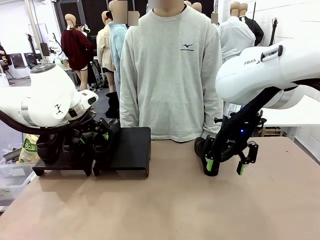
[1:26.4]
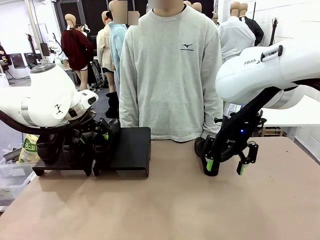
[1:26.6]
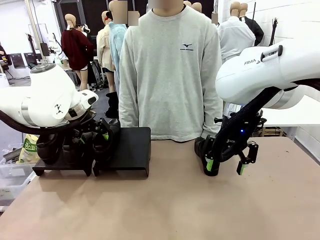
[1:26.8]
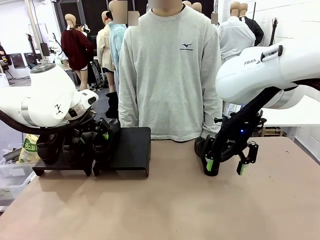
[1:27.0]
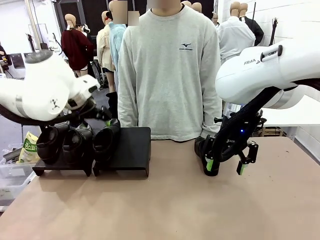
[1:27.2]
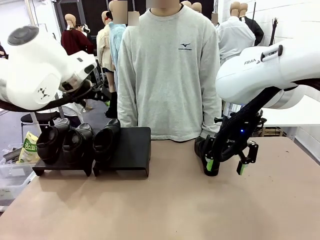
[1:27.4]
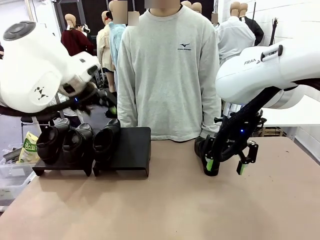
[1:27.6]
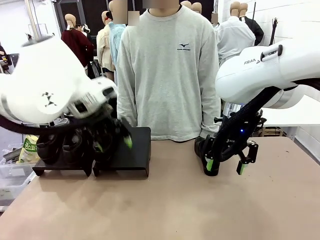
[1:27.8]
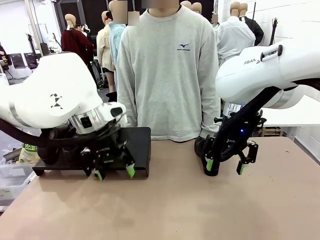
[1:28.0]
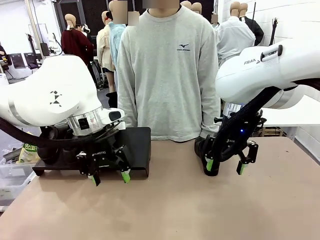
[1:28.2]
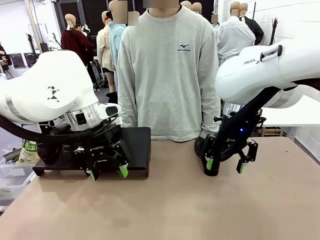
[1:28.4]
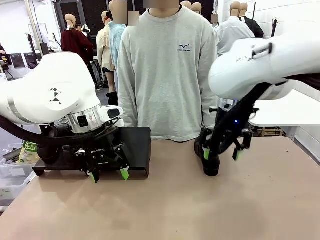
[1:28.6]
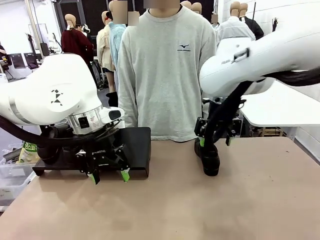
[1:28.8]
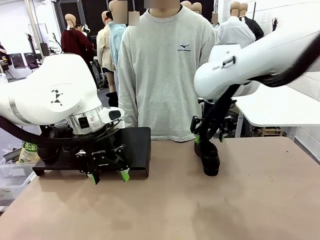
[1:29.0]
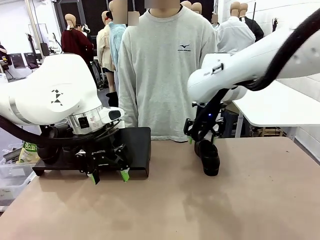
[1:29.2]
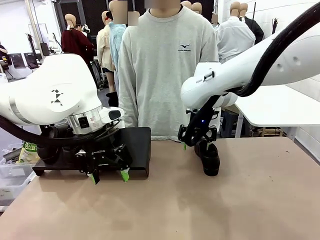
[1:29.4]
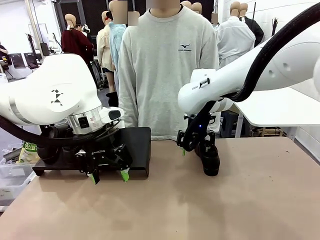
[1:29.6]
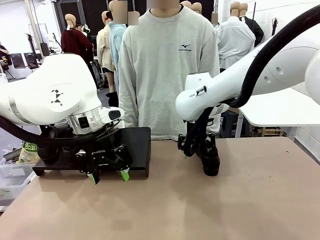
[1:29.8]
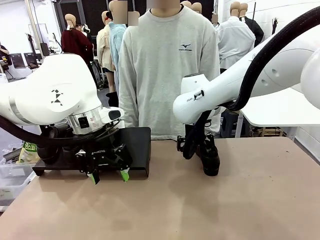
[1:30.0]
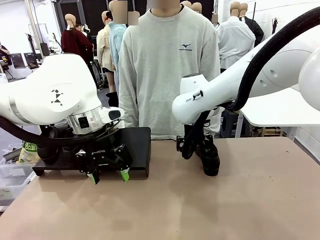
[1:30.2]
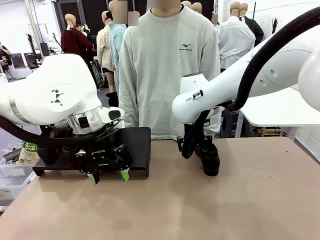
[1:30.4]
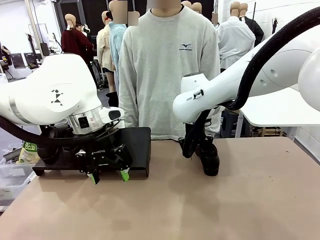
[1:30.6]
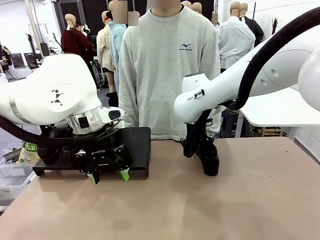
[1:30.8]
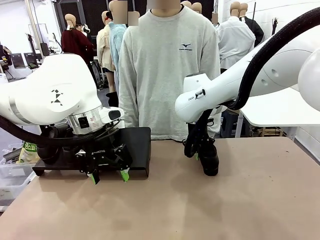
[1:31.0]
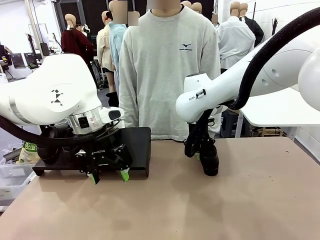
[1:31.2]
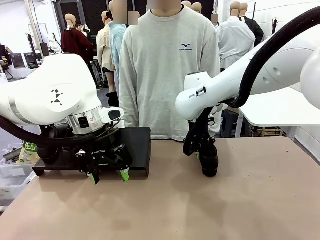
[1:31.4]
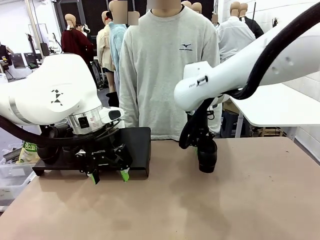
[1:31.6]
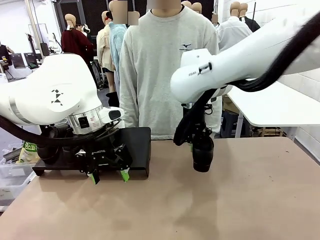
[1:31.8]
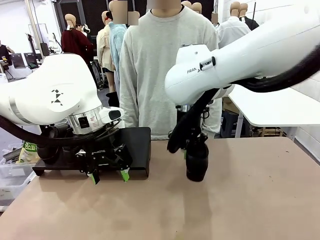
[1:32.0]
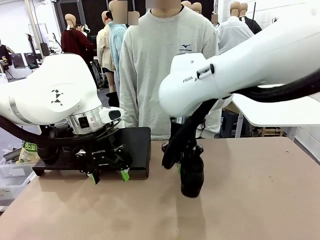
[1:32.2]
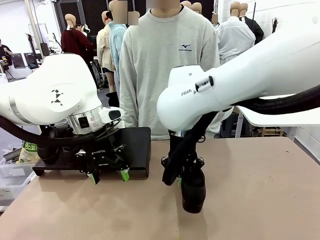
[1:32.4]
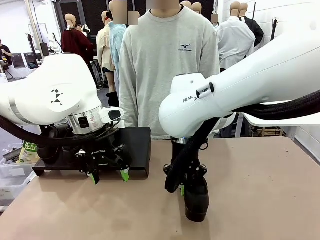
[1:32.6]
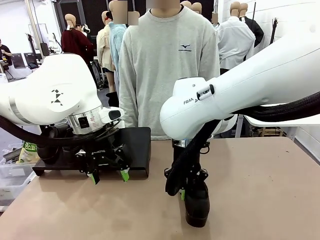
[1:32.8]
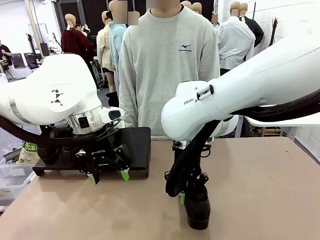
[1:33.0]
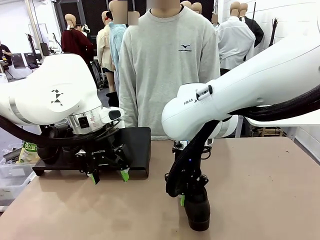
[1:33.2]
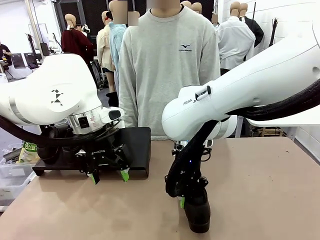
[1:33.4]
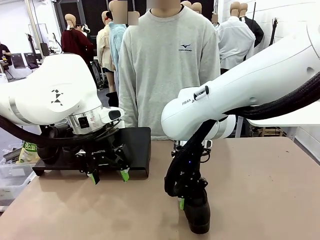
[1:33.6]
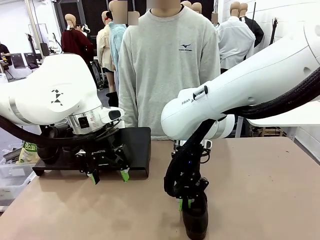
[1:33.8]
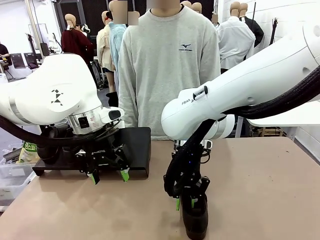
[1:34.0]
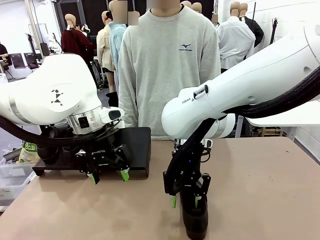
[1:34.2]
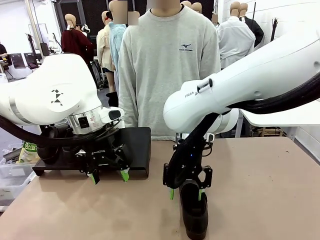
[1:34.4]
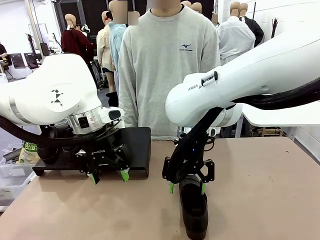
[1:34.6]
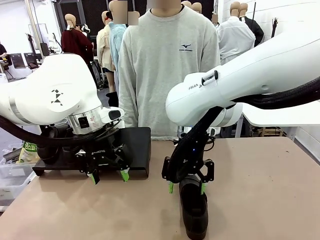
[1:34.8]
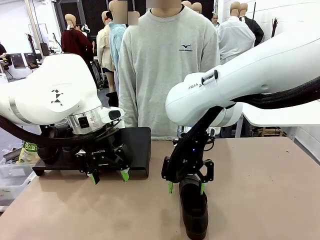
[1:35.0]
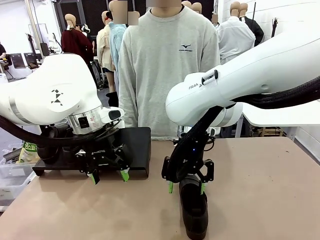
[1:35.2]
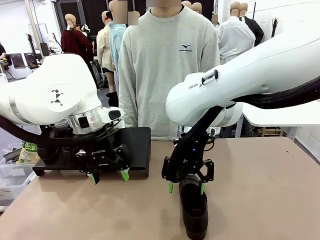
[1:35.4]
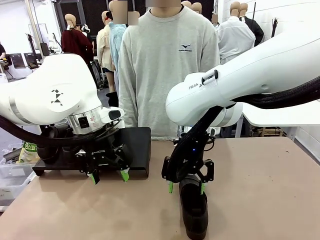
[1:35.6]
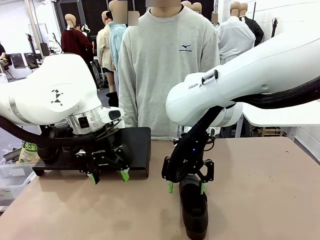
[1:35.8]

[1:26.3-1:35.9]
Task: Organize the shoes by placing them on the stand.
Robot: Pick up one Shoe and place it in the middle of the table.

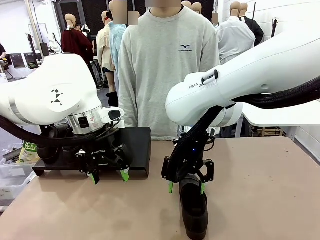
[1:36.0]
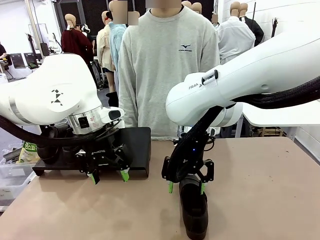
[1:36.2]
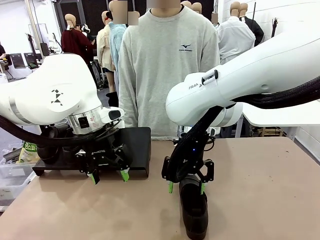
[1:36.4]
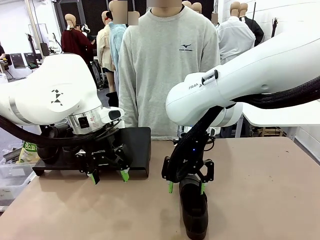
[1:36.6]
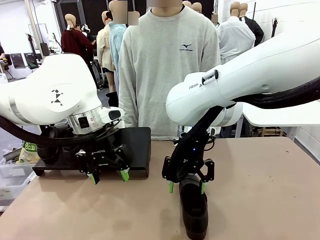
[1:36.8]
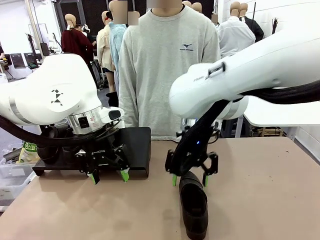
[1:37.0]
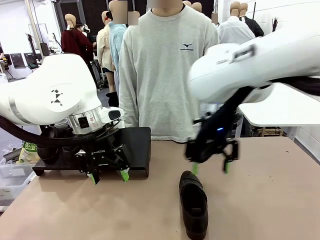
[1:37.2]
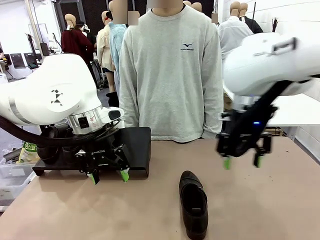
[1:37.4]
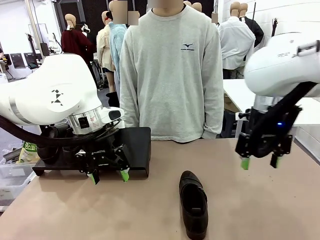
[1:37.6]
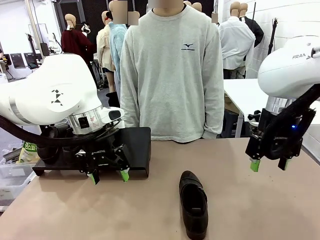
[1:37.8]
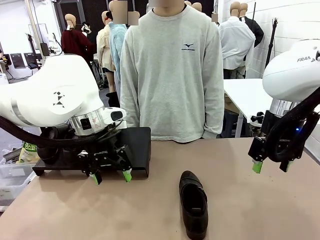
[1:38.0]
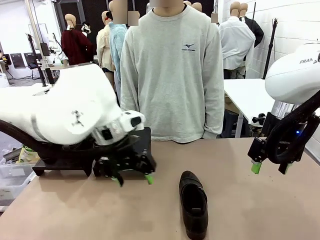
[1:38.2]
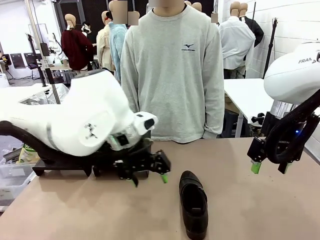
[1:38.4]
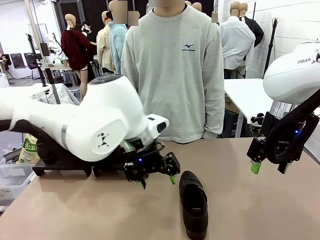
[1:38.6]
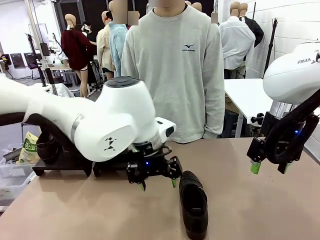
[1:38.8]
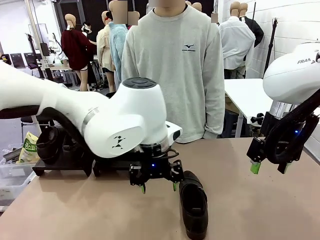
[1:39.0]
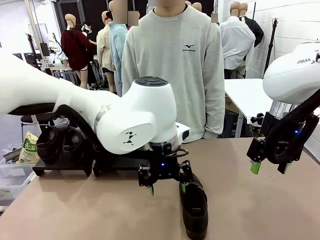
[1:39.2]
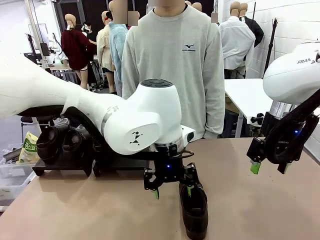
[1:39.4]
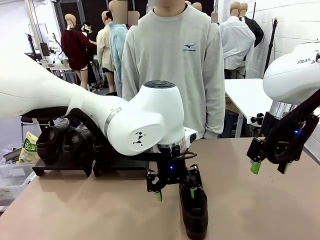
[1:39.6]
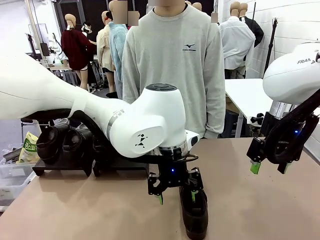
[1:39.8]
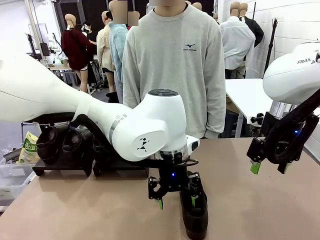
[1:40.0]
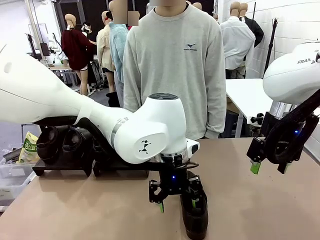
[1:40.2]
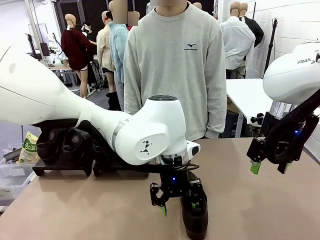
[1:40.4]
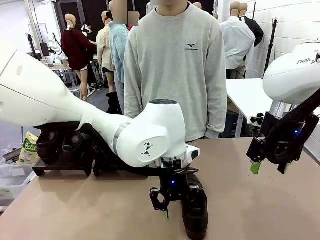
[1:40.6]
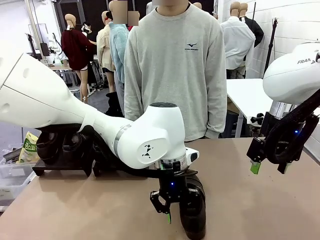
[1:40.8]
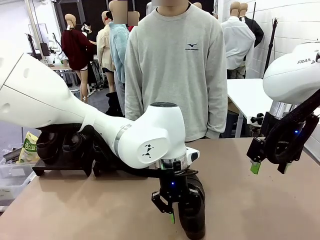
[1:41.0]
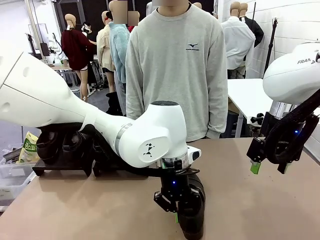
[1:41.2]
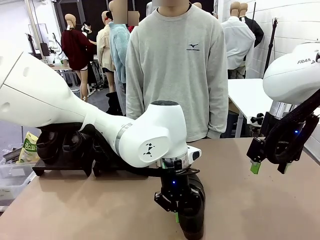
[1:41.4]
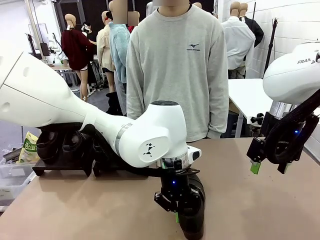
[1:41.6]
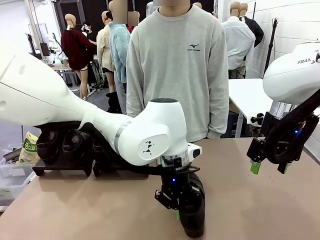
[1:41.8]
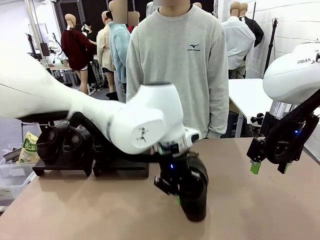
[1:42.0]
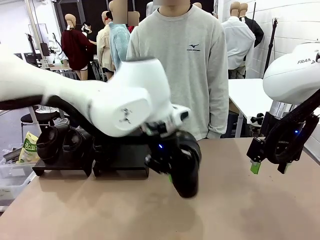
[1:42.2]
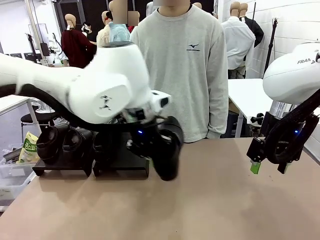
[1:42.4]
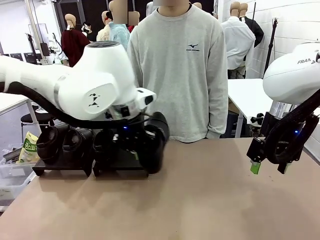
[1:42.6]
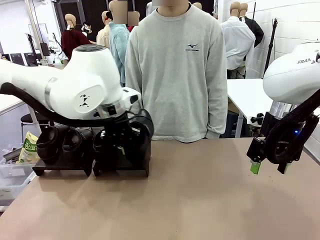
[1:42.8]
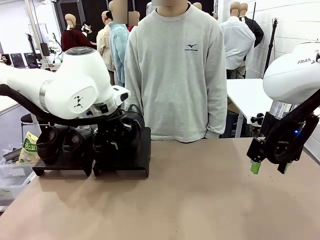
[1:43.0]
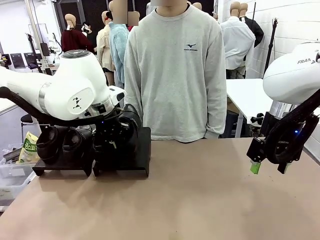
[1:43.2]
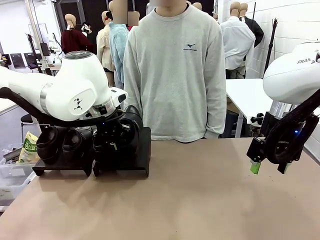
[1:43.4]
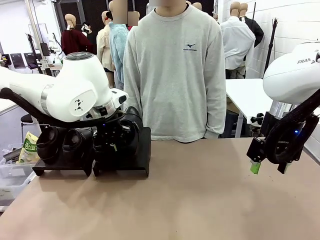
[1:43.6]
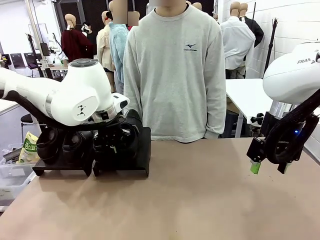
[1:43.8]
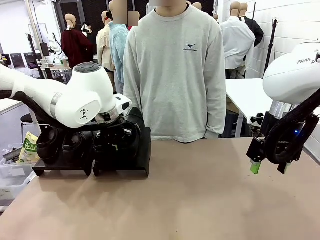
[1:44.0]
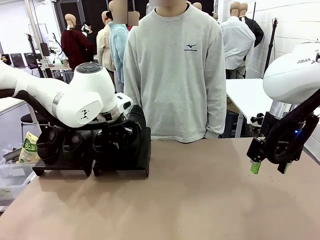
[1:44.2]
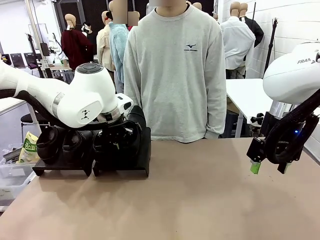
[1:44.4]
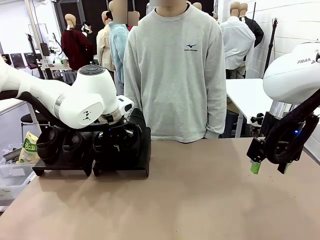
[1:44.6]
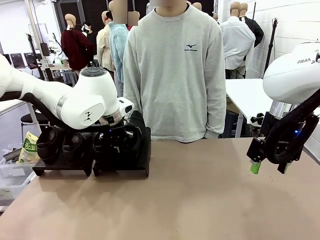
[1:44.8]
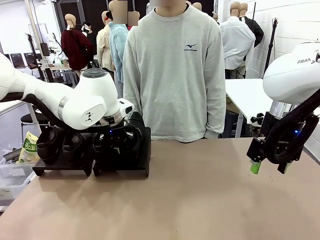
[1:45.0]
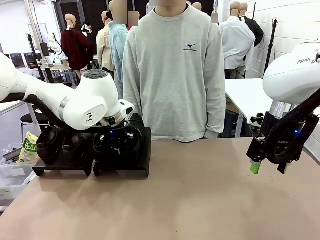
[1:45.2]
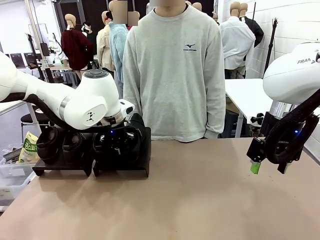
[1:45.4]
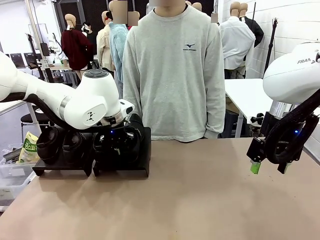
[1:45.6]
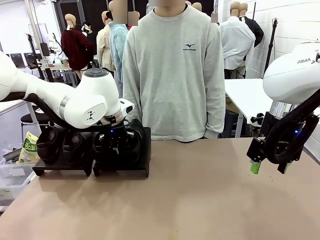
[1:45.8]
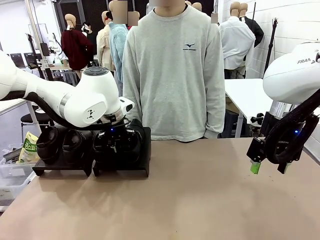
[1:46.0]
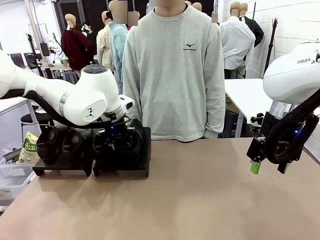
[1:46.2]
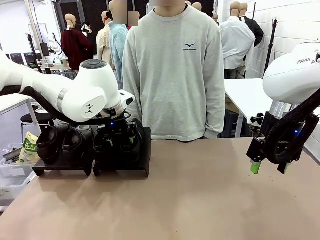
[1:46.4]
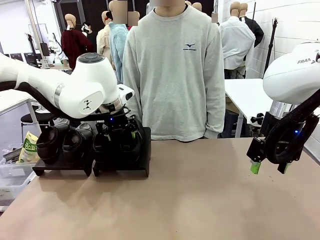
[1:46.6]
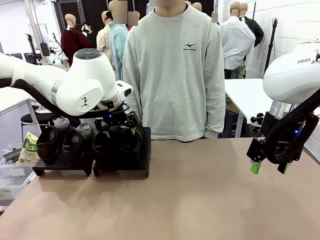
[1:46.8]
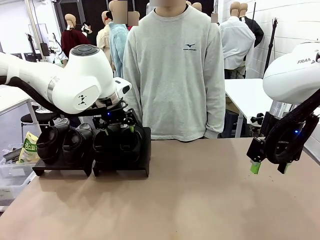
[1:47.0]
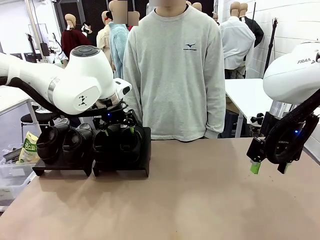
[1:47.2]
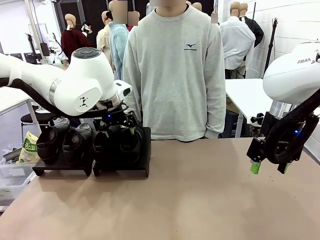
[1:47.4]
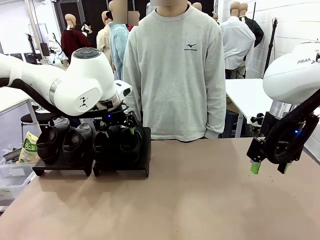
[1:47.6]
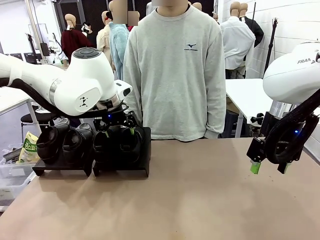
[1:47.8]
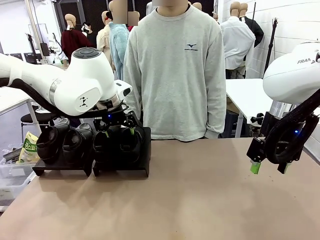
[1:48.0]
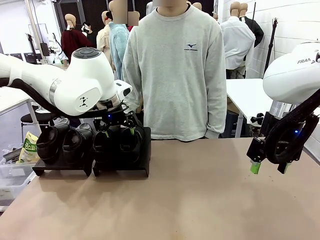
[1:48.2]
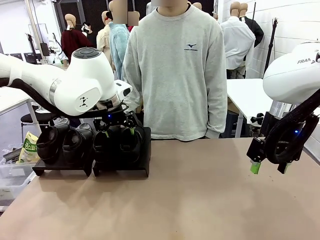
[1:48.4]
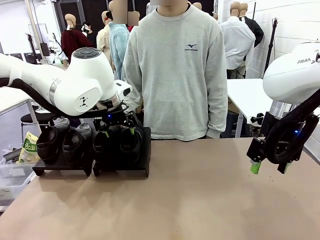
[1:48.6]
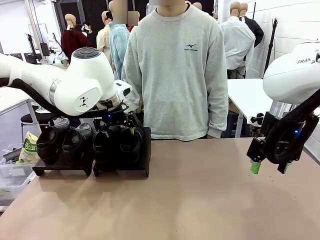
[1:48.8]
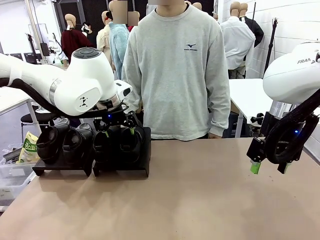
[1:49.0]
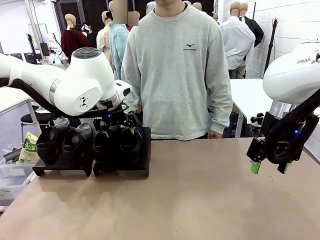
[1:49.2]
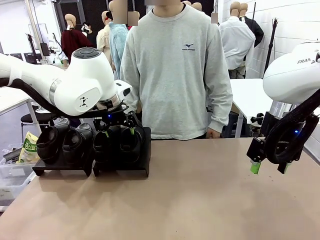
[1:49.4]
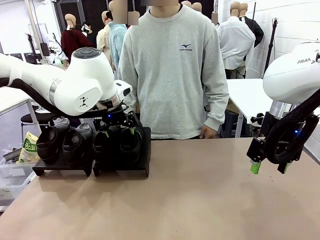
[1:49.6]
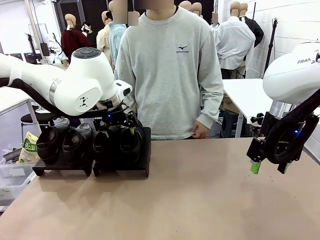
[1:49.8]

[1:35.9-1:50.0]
Robot: Place the Shoe from the middle of the table onto the Shoes Stand.
